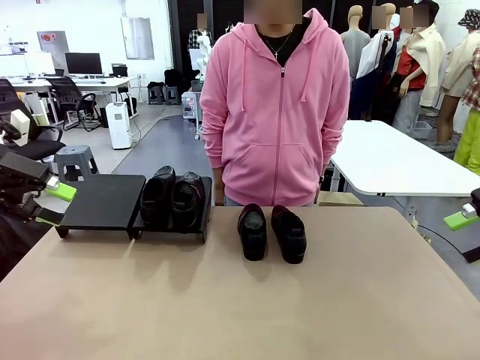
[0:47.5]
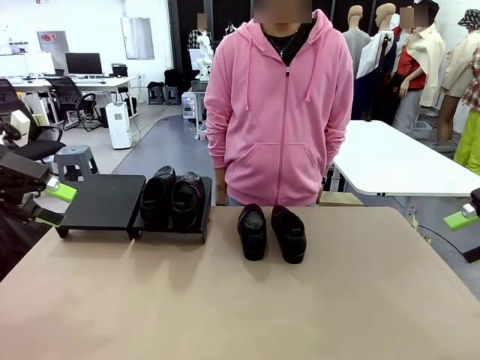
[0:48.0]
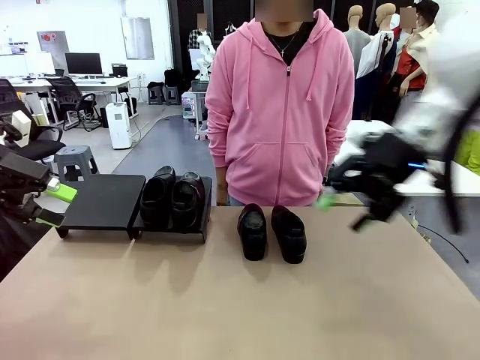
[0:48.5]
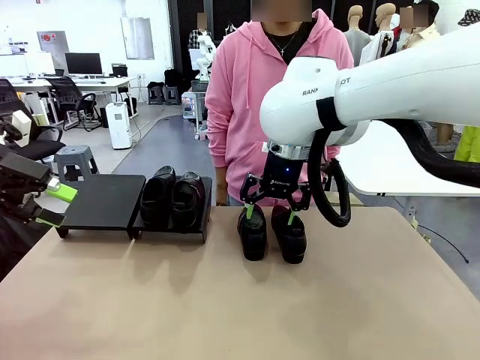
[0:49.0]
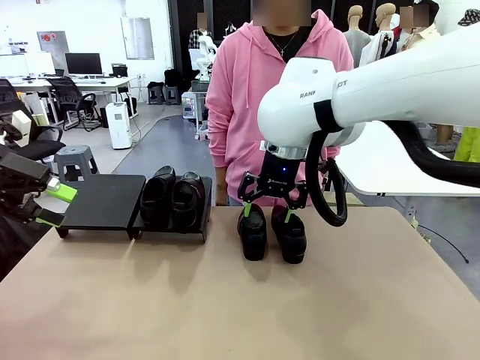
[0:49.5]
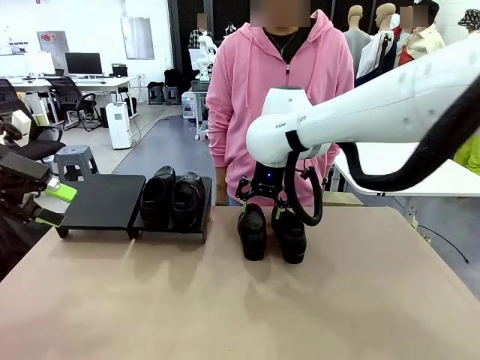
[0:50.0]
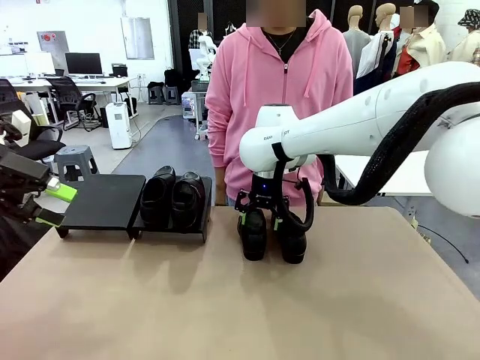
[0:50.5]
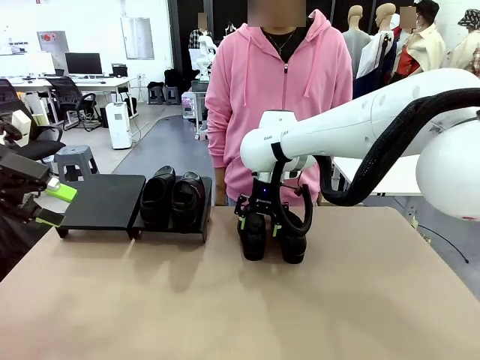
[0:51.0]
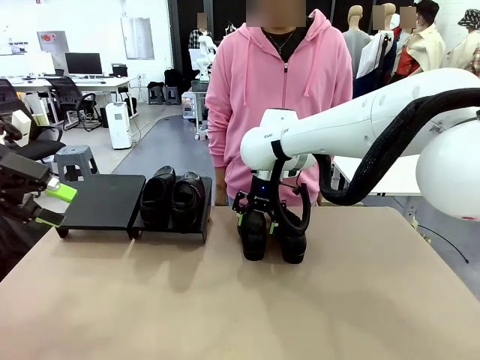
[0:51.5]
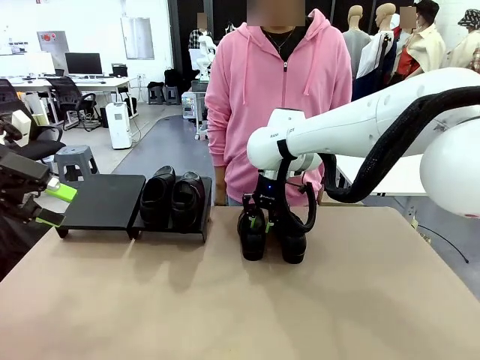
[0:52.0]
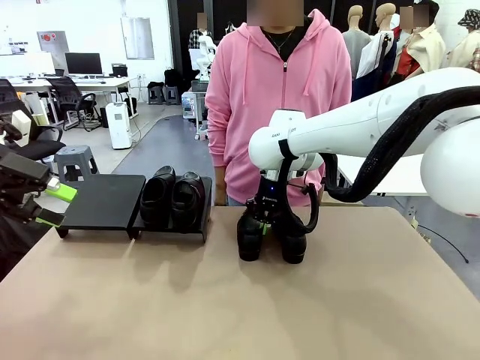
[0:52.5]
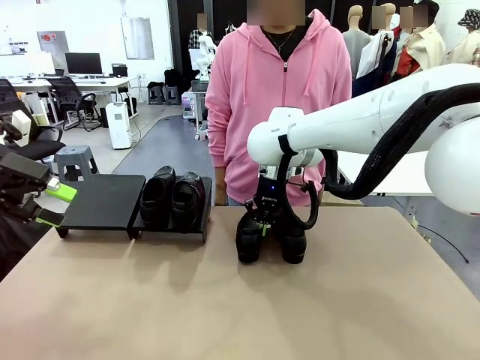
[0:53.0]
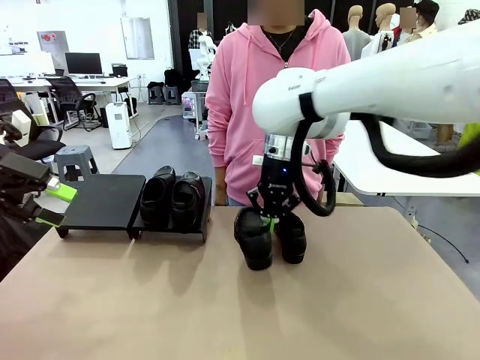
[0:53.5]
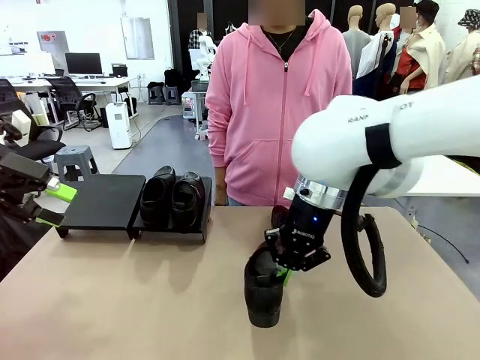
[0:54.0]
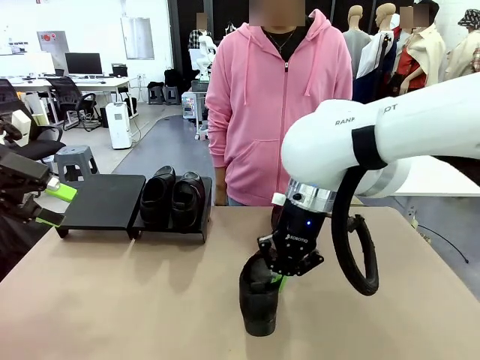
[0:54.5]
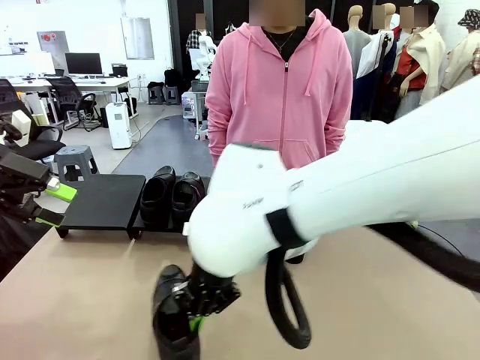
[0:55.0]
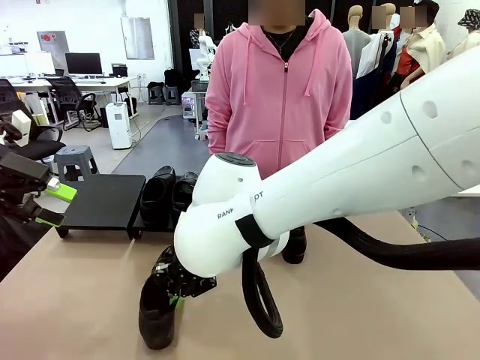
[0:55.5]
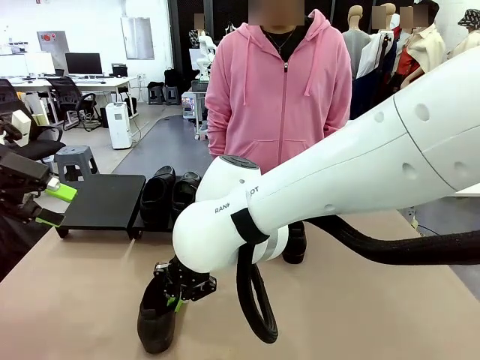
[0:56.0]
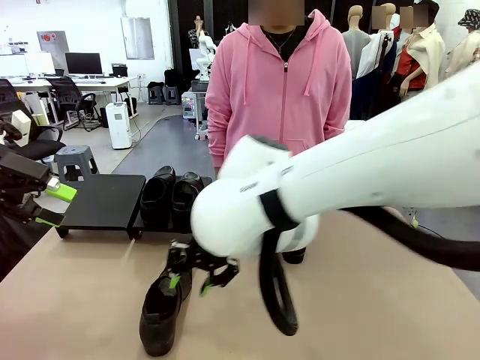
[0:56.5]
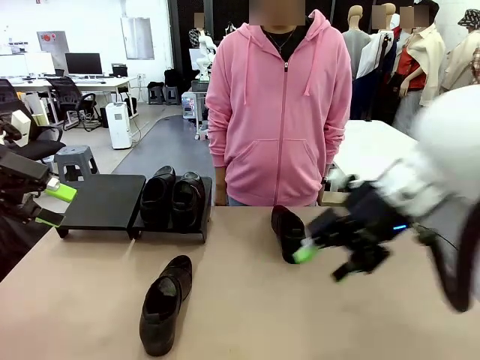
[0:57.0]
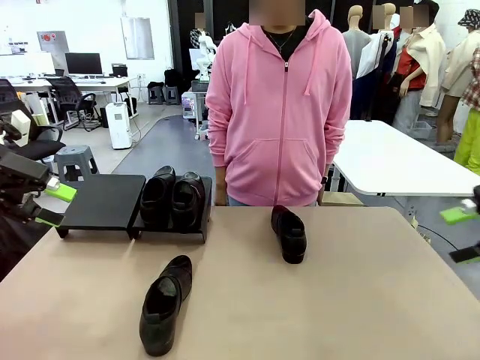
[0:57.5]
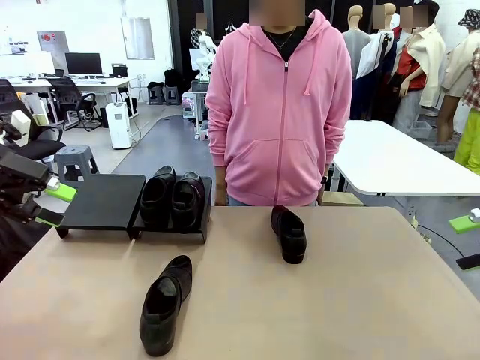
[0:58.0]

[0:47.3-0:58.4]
Task: Organize the shoes by placing them on the stand.
Robot: Pick up one Shoe and place it in the middle of the table.

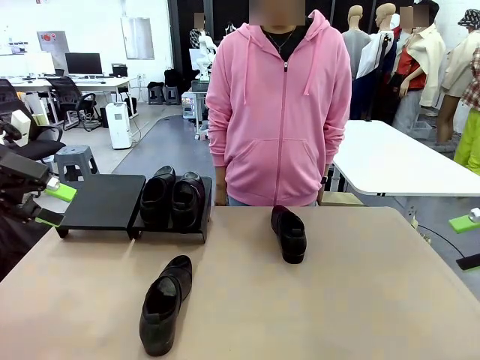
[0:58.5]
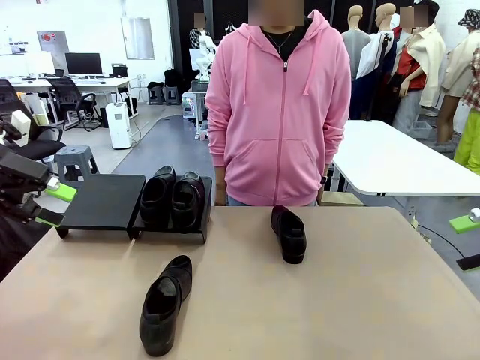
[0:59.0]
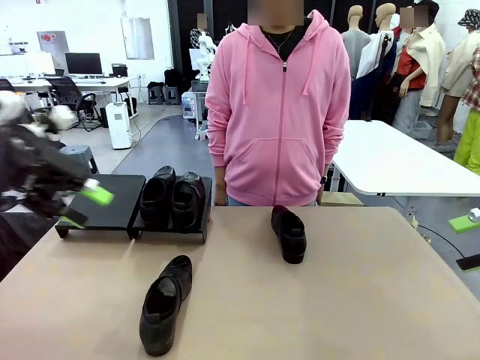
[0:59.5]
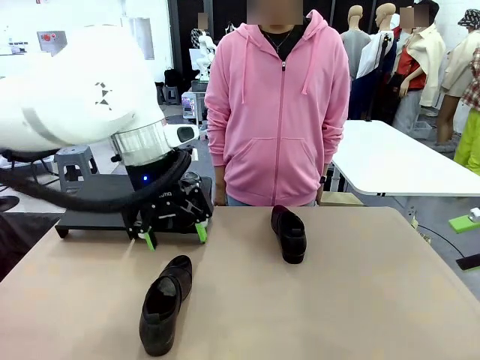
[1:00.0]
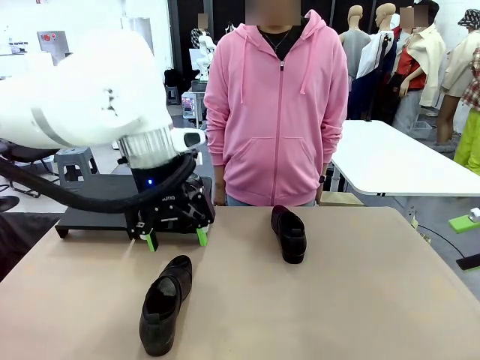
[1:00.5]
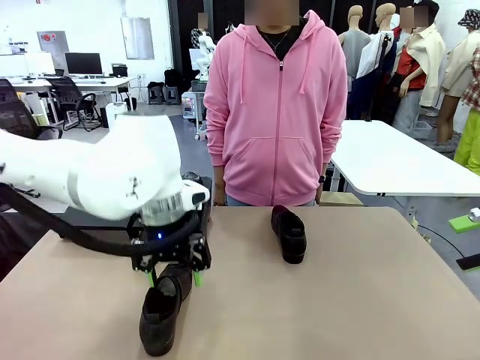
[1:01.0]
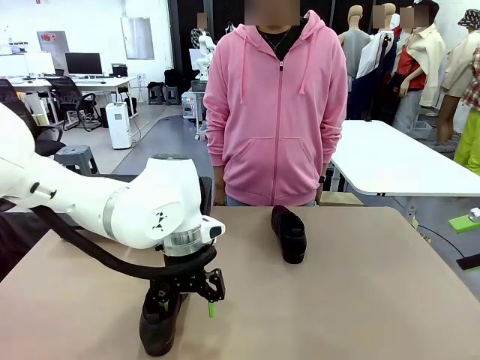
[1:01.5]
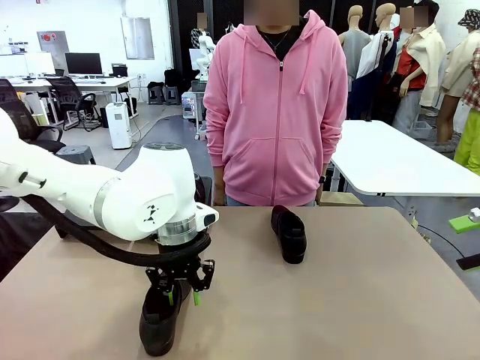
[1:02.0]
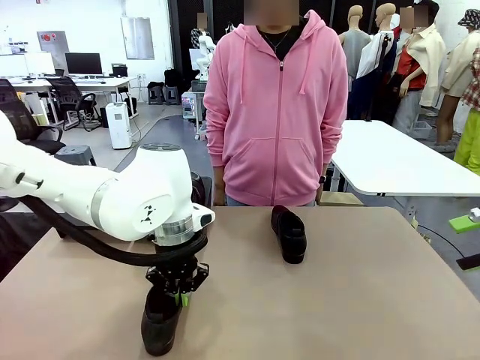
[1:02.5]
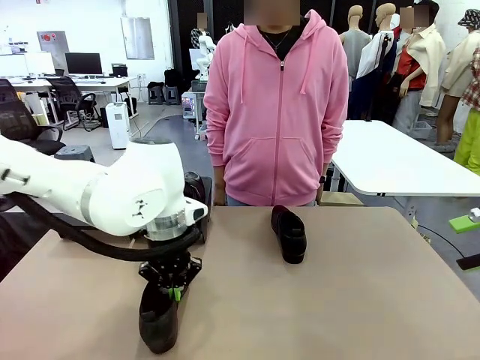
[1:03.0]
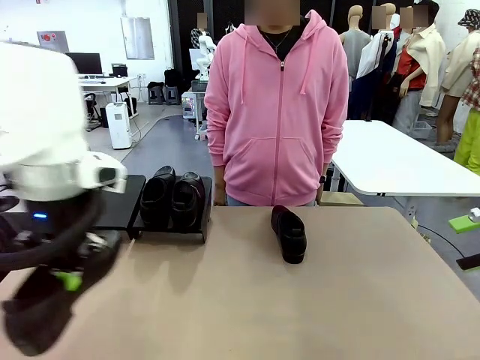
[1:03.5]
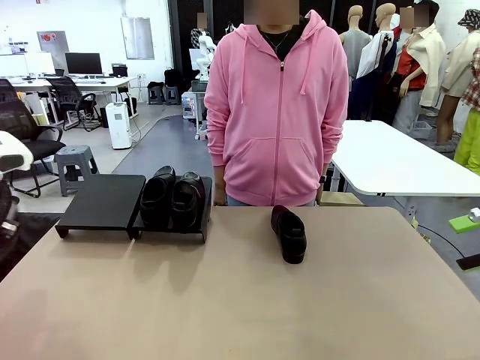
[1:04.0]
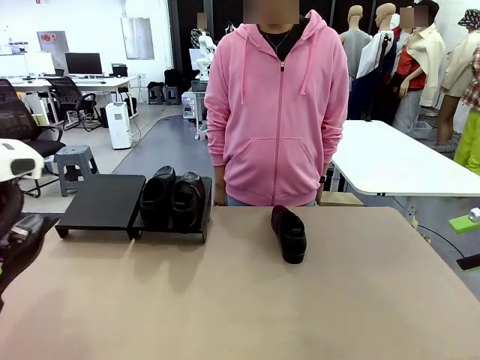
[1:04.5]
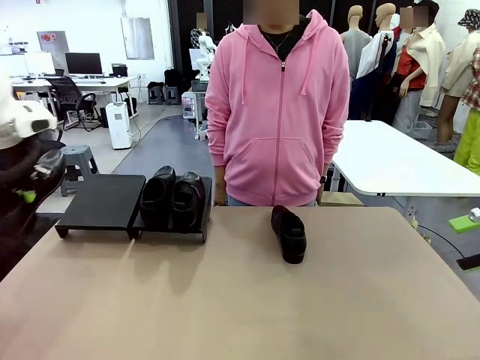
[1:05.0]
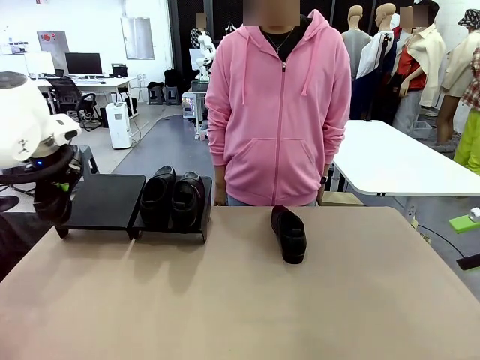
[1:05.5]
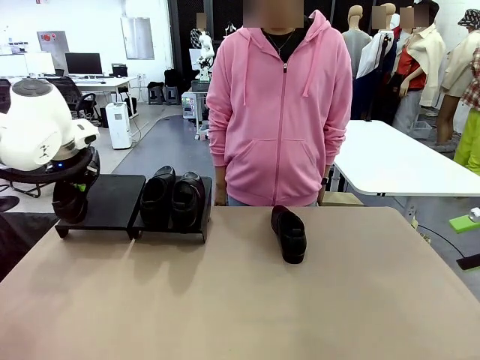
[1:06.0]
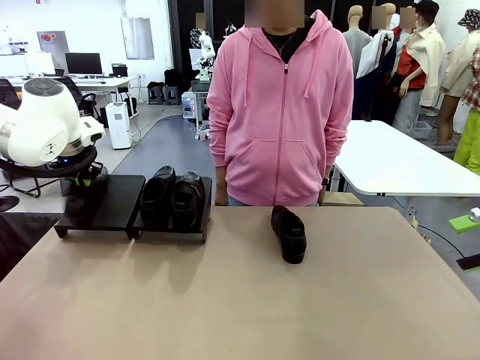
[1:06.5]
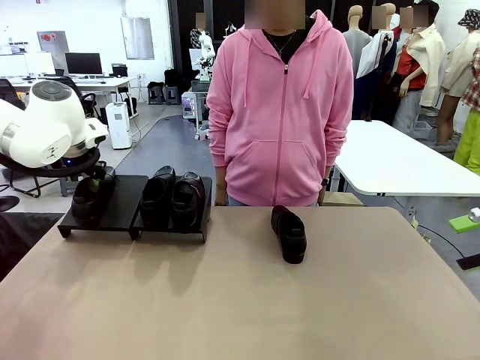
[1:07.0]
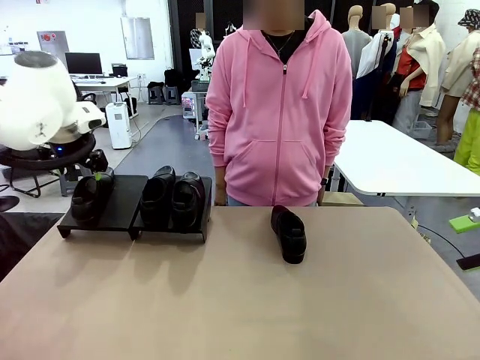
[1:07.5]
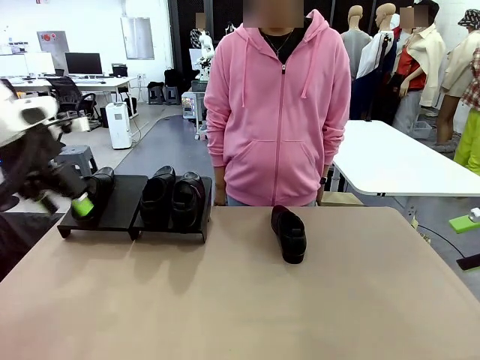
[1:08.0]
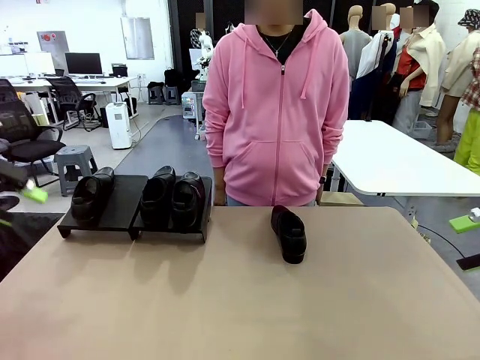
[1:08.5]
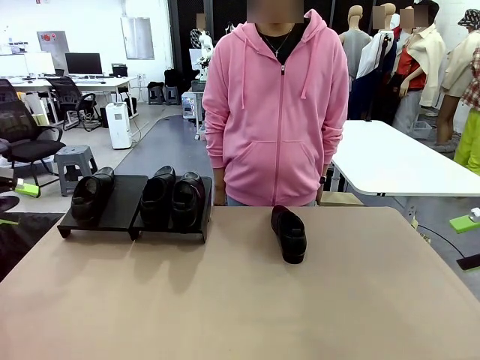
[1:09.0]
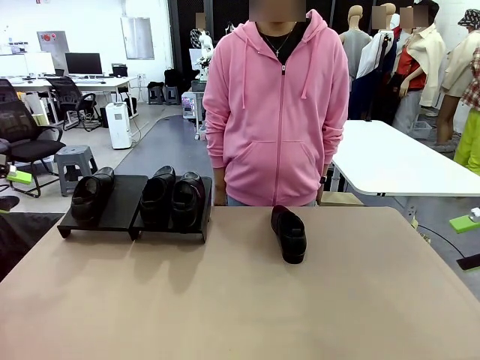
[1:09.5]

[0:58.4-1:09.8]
Robot: Place the Shoe from the middle of the table onto the Shoes Stand.
